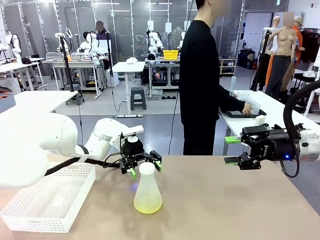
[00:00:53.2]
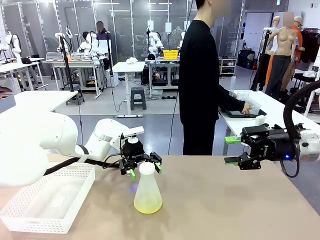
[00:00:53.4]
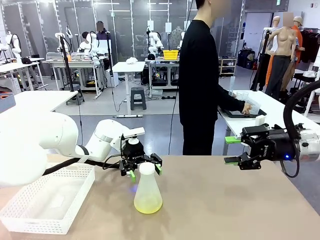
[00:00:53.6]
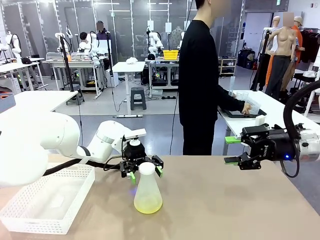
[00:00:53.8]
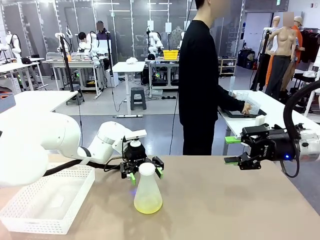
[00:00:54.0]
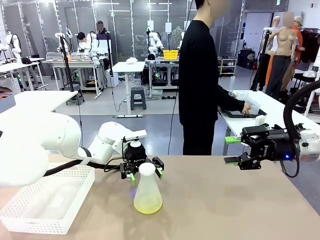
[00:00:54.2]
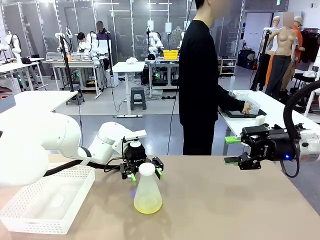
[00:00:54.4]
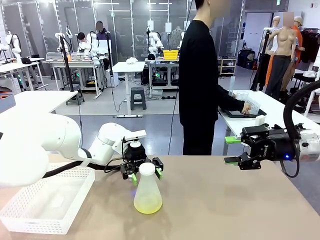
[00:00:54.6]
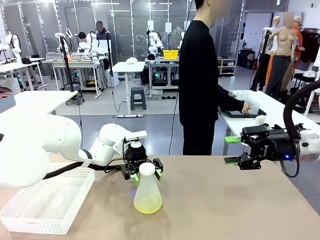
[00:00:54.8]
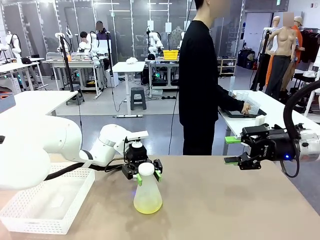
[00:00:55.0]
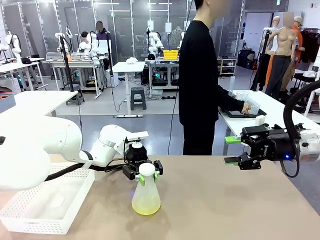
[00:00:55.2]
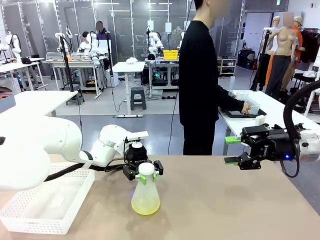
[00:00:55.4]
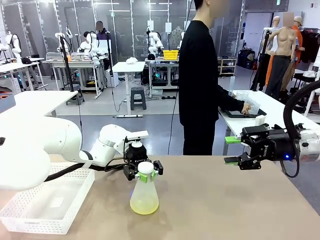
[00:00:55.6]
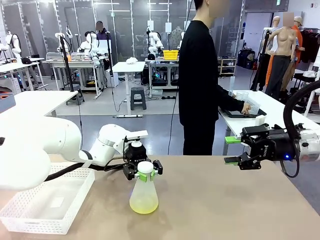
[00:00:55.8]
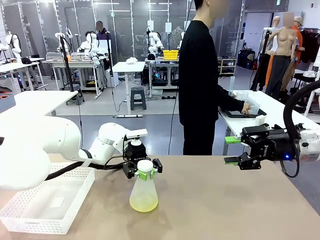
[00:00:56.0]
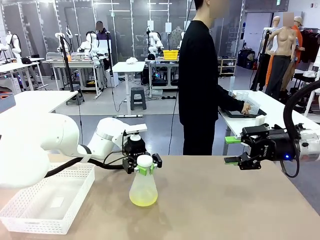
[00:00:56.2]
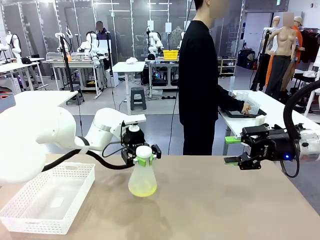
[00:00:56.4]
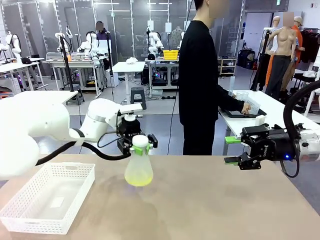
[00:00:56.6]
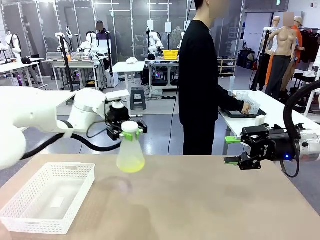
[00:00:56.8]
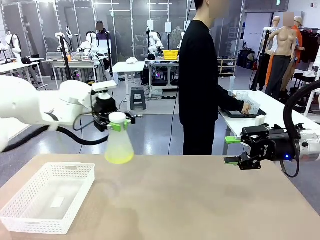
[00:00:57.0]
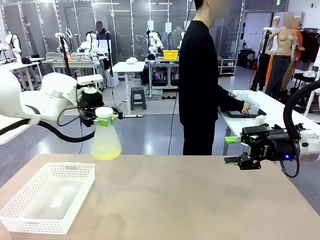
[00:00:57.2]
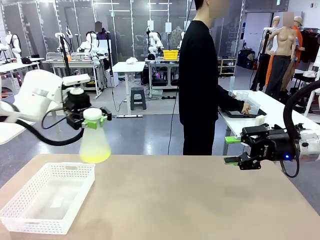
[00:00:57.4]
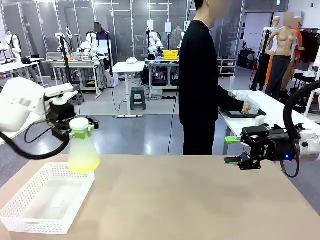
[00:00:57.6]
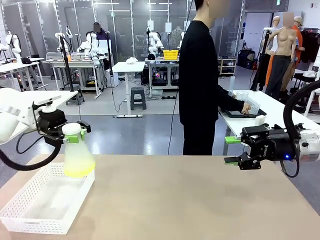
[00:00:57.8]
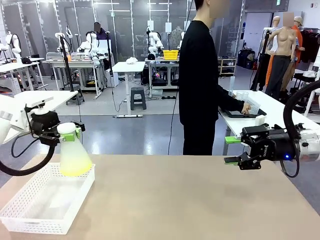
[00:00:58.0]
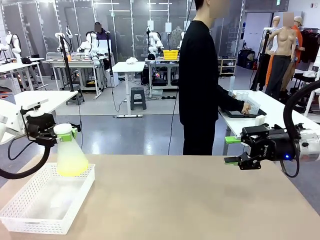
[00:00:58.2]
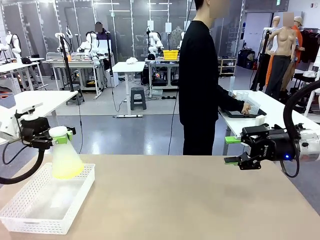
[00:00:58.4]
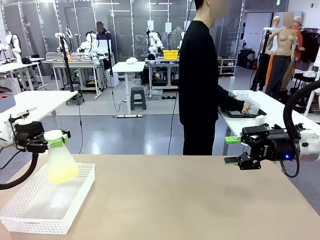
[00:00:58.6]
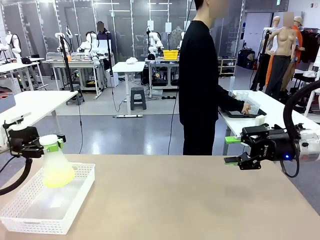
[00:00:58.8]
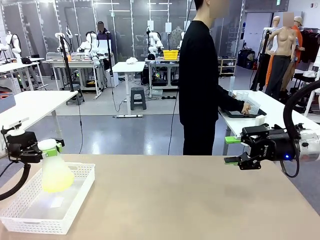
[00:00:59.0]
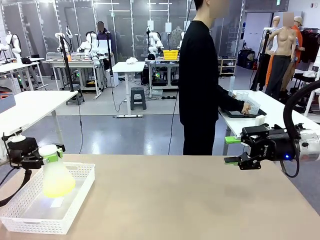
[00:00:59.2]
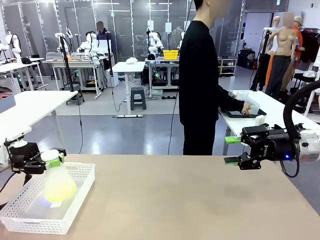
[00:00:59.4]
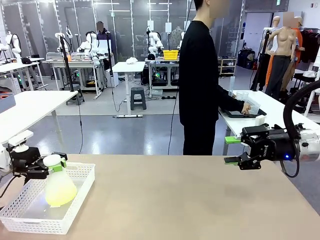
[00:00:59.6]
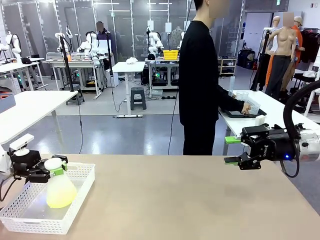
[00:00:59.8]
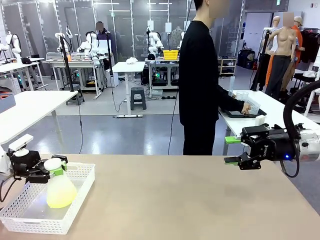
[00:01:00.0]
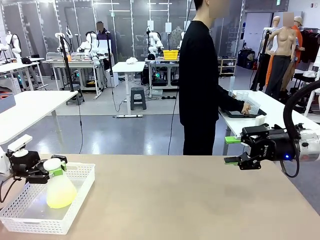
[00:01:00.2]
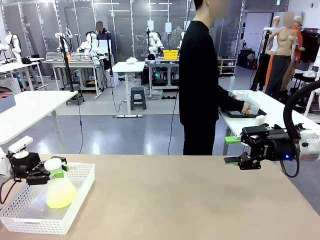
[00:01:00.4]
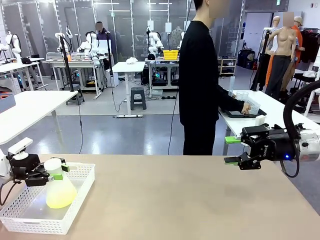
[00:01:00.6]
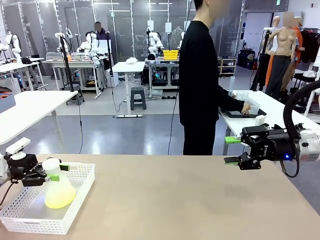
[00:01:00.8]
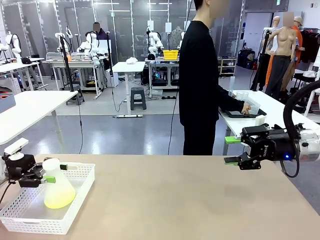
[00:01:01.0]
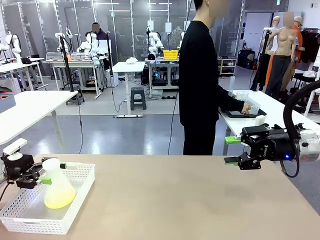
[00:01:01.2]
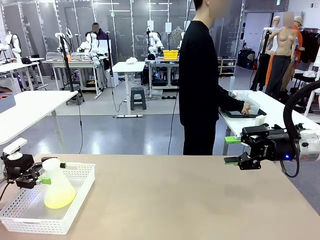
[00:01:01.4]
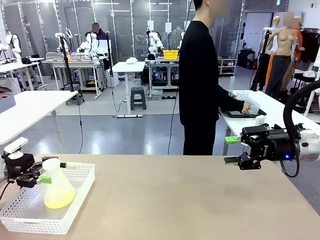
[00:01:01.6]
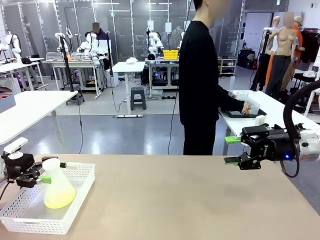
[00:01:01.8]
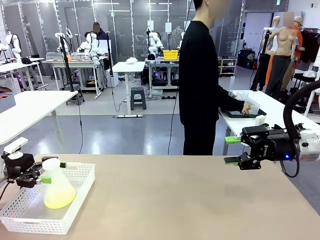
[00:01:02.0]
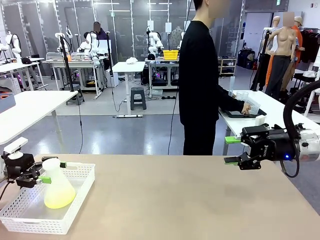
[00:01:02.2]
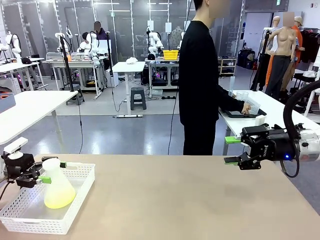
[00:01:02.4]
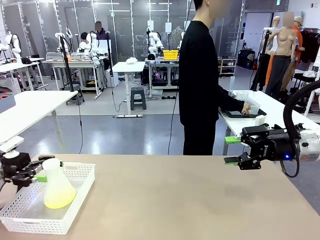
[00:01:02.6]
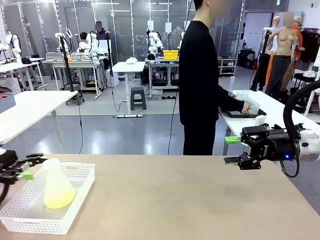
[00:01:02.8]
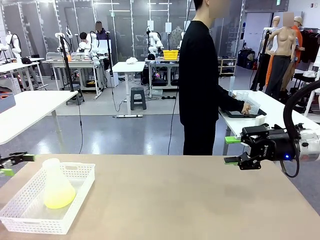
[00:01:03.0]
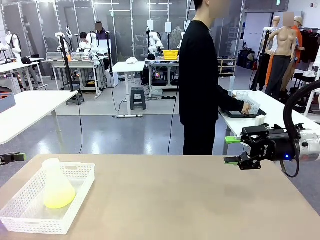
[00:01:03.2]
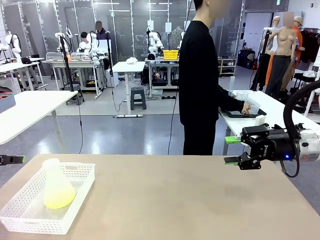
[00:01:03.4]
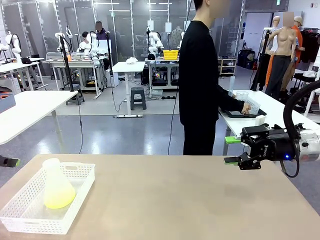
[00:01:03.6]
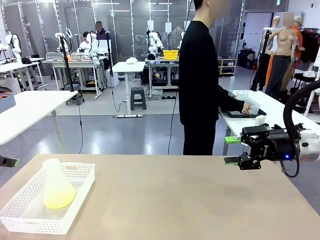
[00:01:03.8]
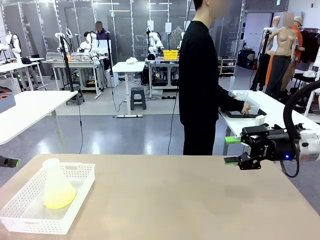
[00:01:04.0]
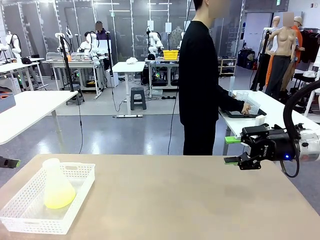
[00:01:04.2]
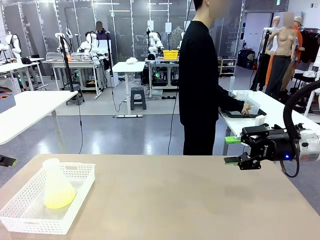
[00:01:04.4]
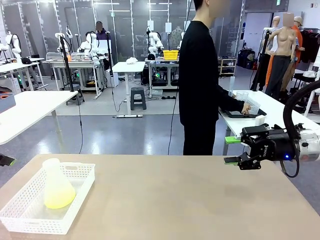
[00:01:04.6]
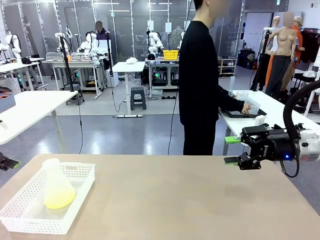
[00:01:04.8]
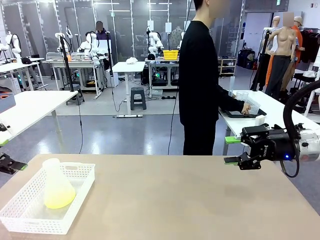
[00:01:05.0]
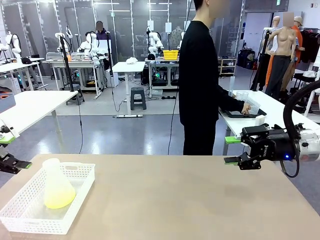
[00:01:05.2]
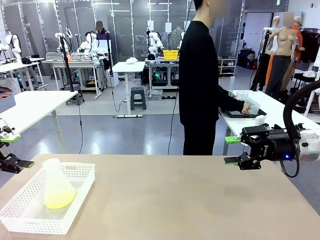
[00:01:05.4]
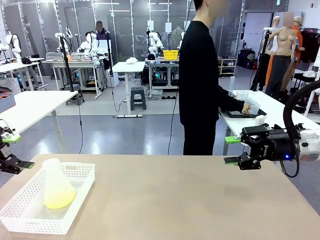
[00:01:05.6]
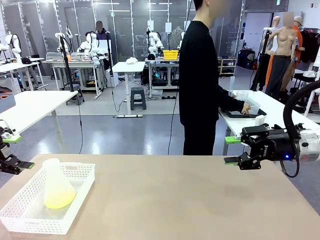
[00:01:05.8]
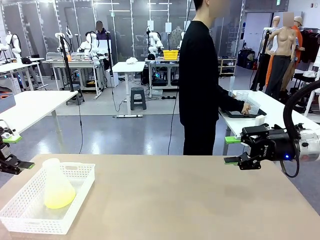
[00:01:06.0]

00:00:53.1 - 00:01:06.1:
Task: Prepare the solutions needed for the experiment.
Robot: When the human places the Big flask in the center of the table, pick up the Big flask and place it in the left Organizing basket.
Person: Pick up the organizing basket on the left side of the robot table and place it on the left side of the human table.
